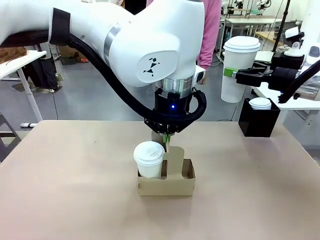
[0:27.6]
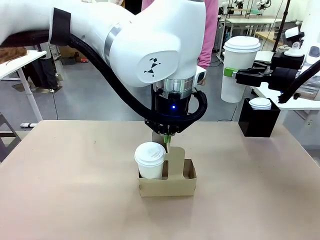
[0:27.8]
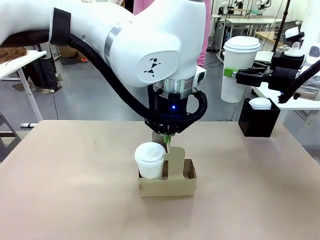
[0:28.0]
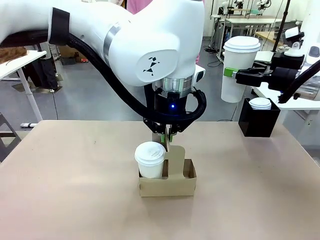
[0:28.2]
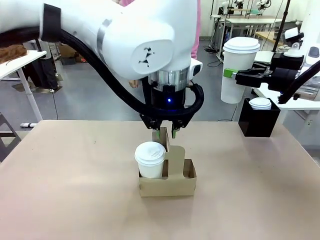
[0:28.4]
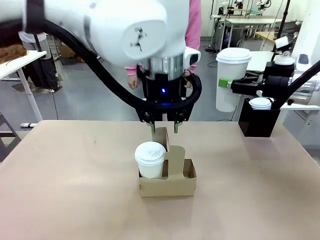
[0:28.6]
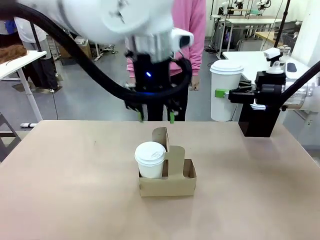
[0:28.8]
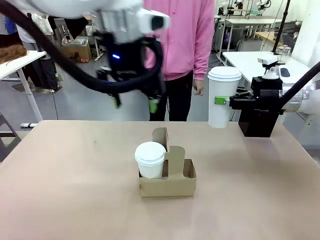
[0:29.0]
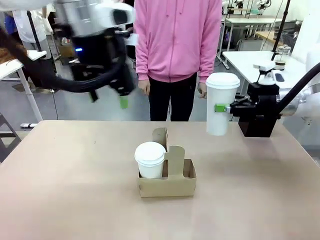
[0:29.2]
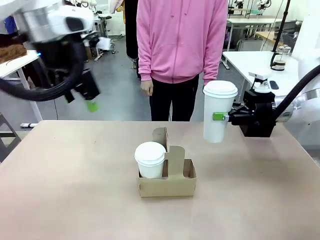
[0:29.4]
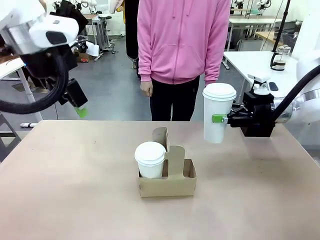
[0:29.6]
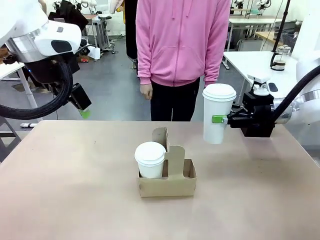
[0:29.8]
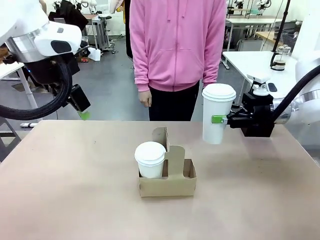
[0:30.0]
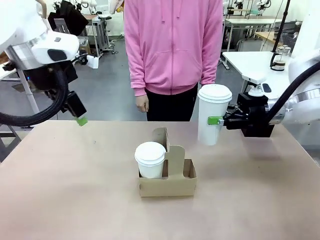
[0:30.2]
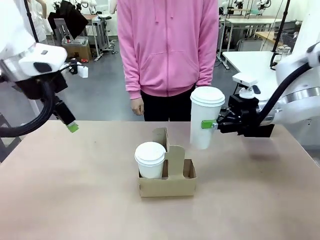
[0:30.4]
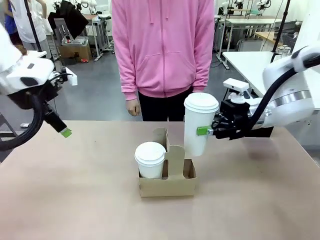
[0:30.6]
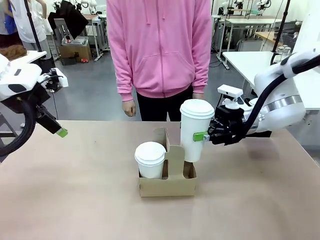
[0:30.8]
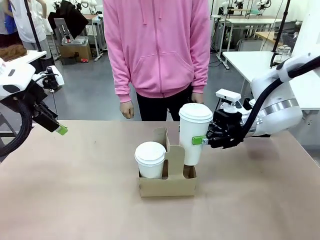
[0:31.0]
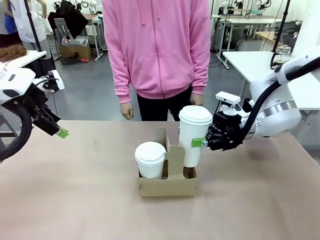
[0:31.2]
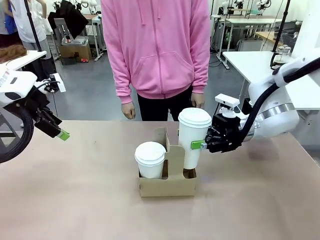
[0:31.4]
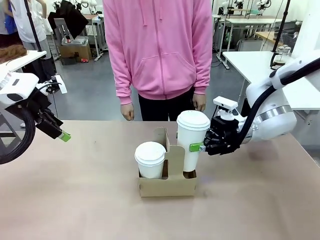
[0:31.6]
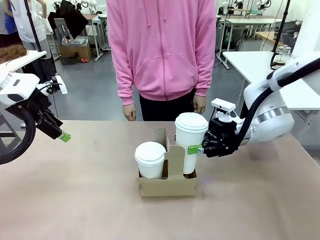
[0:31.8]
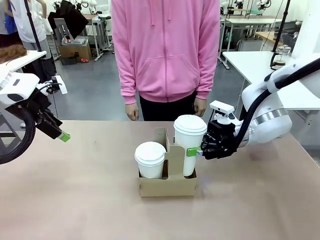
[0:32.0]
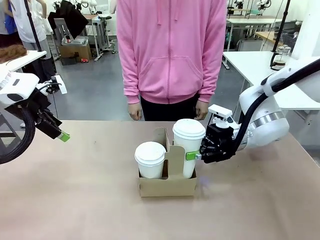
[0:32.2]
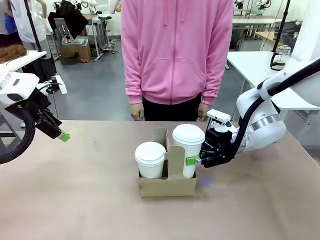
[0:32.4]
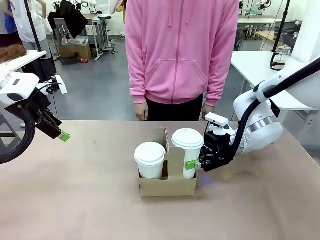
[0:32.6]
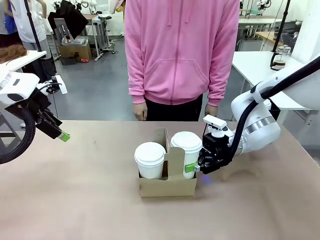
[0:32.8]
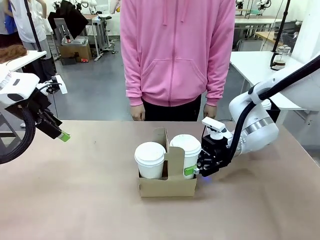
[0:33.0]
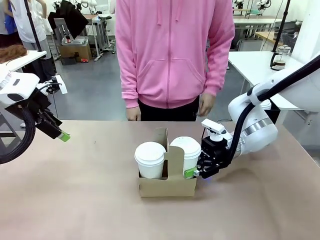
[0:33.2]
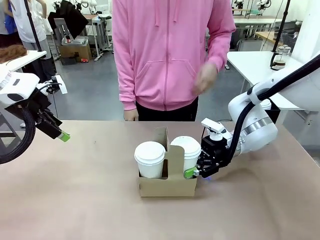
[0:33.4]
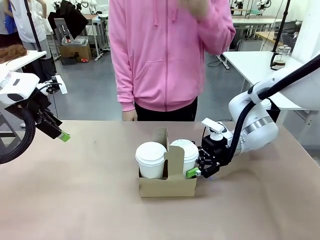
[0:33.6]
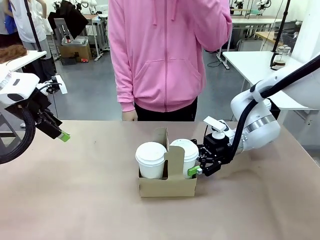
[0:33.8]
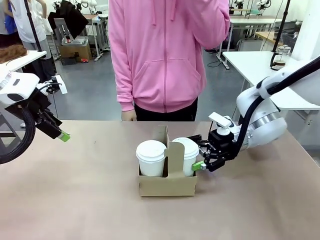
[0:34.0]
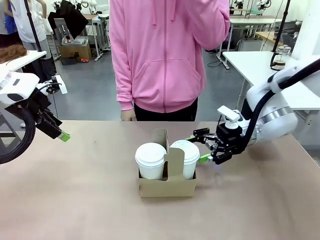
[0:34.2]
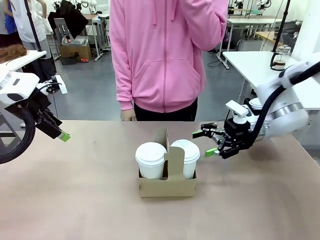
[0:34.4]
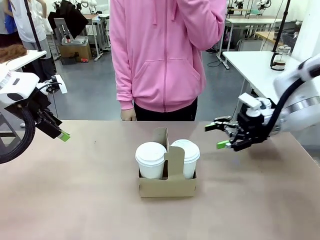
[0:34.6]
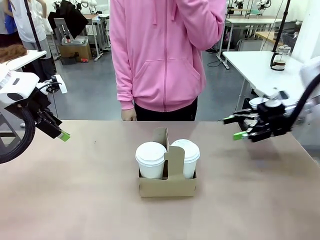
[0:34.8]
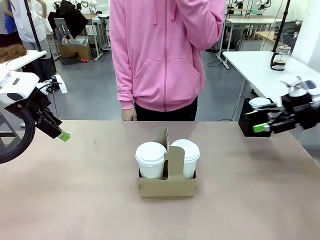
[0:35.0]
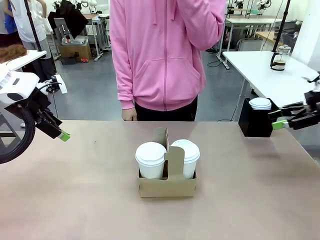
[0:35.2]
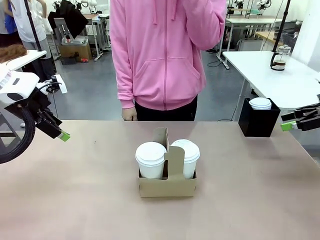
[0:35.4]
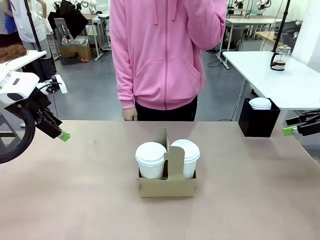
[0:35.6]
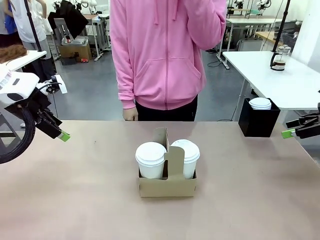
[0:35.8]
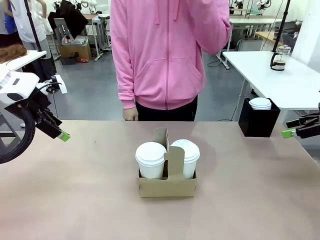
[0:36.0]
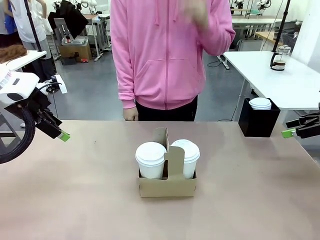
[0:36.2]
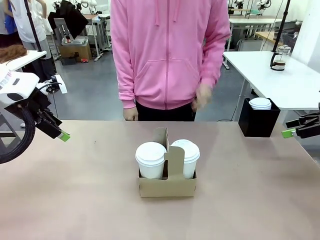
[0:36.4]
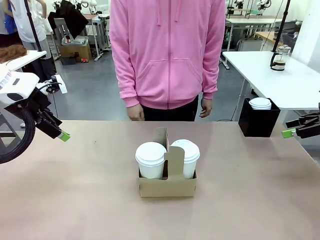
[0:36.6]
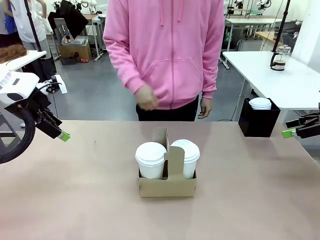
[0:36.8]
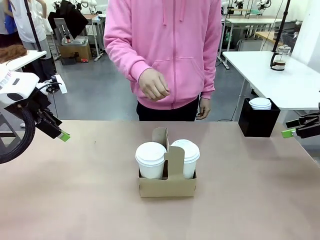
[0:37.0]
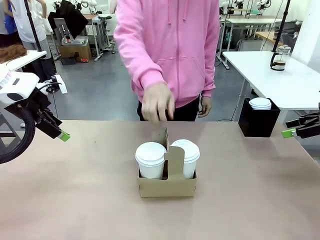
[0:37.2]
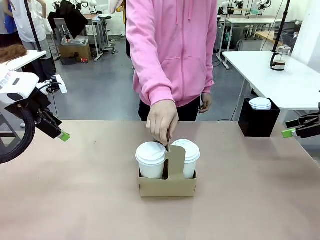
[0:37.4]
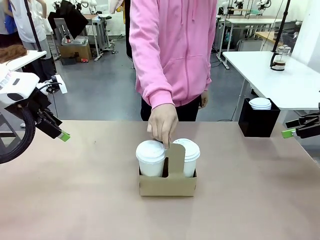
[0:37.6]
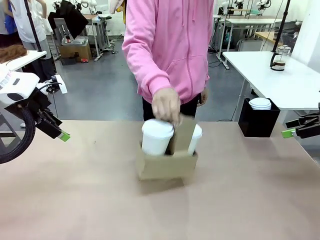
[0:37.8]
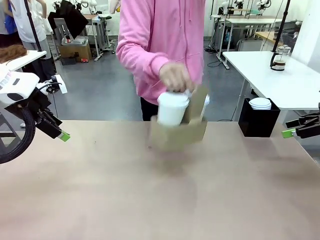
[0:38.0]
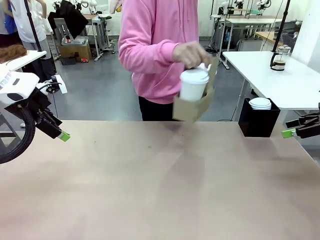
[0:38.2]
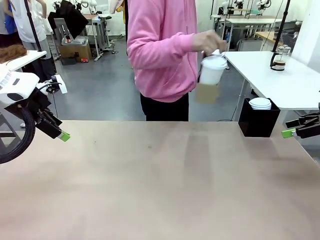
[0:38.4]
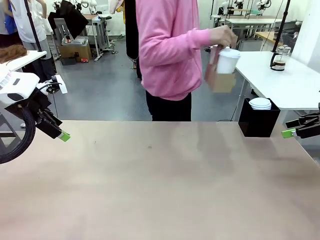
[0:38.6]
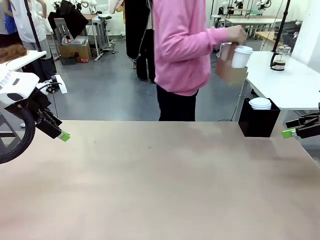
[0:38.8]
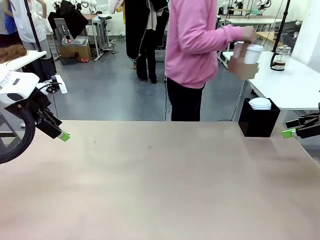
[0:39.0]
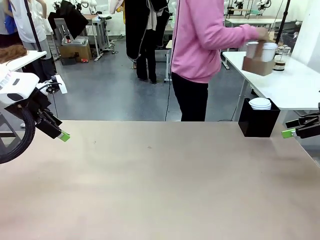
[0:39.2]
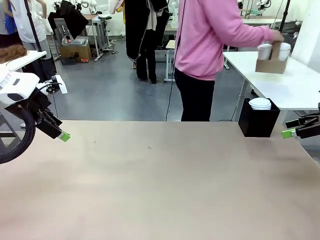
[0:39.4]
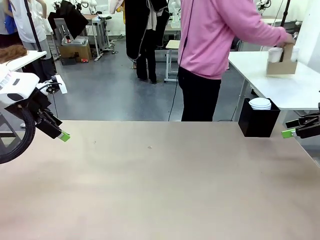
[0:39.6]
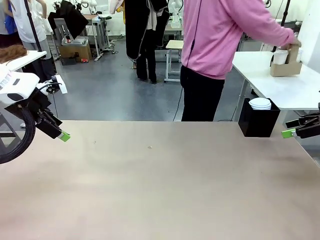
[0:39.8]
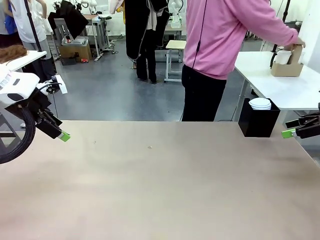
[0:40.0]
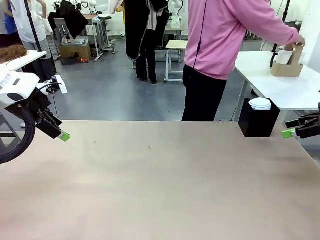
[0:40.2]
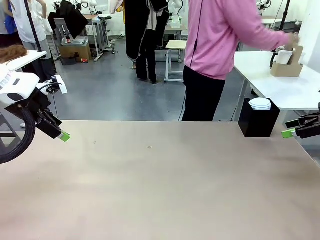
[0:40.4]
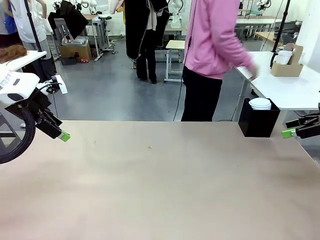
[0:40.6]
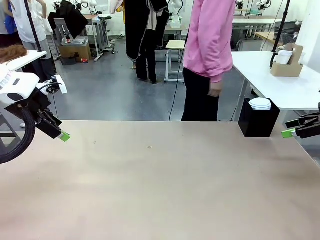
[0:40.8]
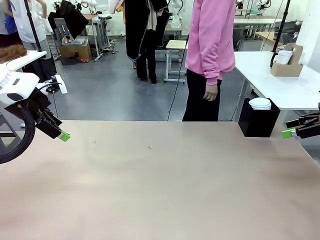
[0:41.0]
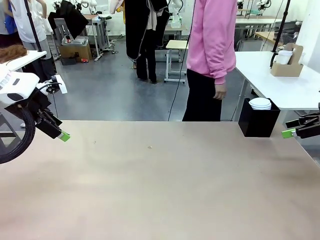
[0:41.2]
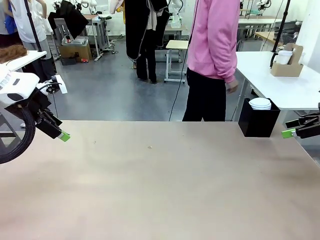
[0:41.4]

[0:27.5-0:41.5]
Task: Pour a drink into a cup and package it in a carrier.
Robot: Insert the held 600 ml Paper Cup into the Cup Carrier.
Person: Place the Cup Carrier to the middle of Human table.

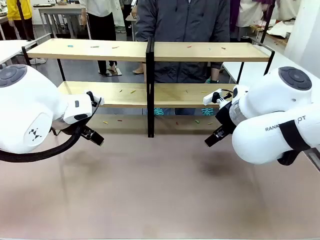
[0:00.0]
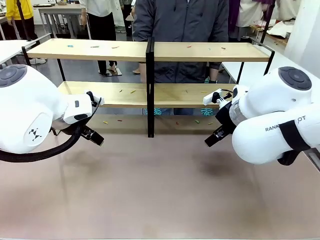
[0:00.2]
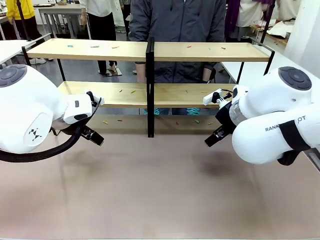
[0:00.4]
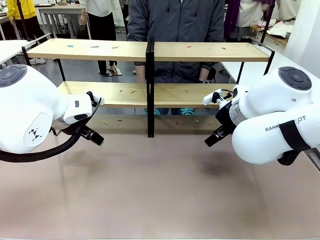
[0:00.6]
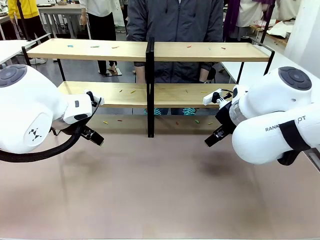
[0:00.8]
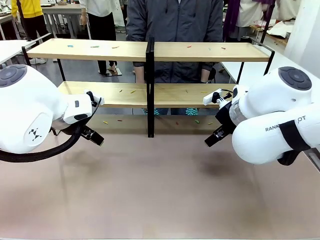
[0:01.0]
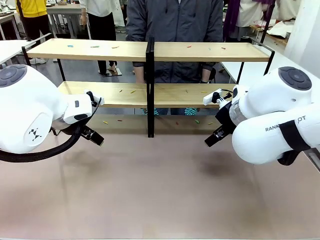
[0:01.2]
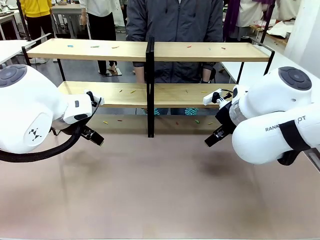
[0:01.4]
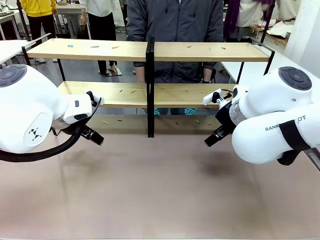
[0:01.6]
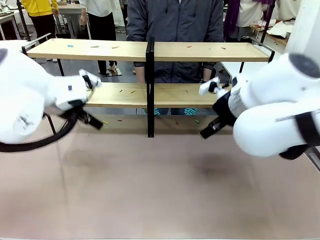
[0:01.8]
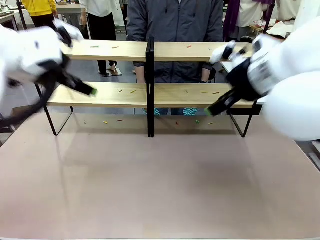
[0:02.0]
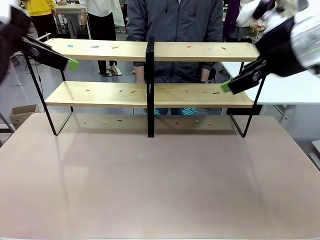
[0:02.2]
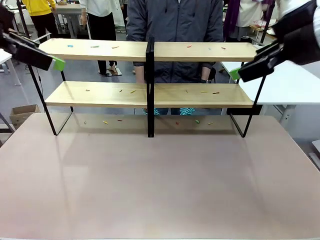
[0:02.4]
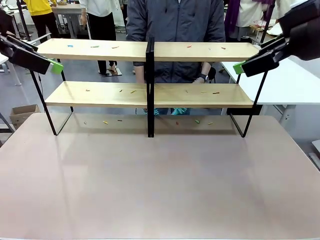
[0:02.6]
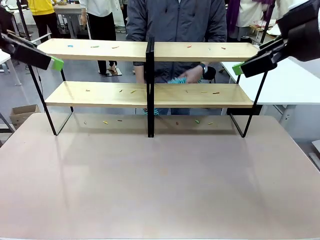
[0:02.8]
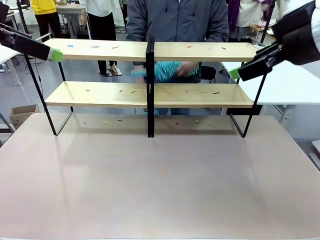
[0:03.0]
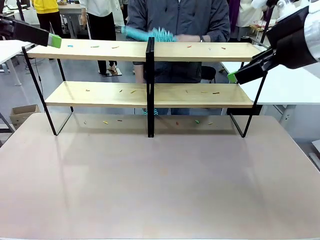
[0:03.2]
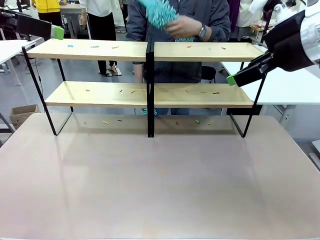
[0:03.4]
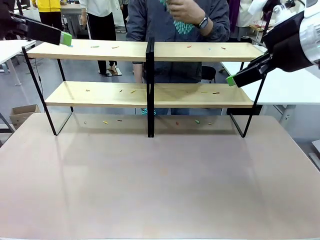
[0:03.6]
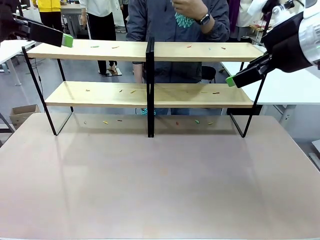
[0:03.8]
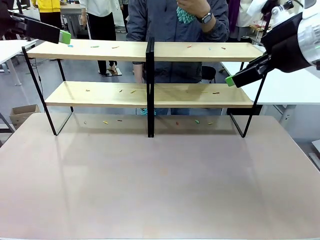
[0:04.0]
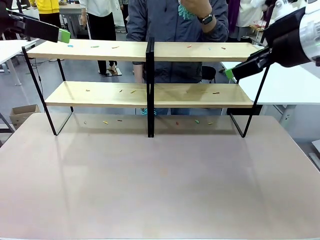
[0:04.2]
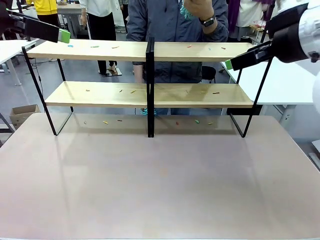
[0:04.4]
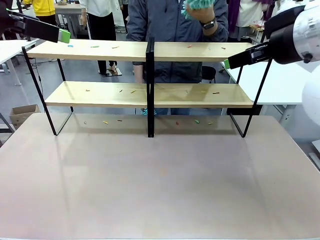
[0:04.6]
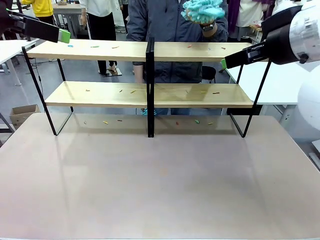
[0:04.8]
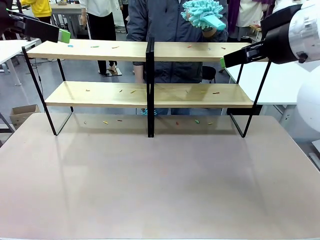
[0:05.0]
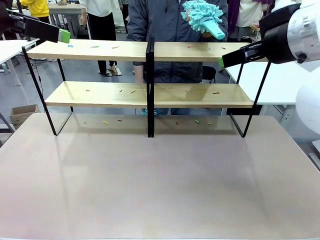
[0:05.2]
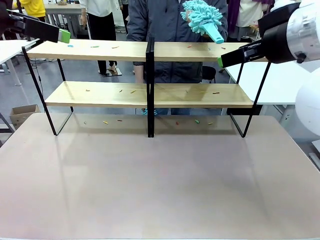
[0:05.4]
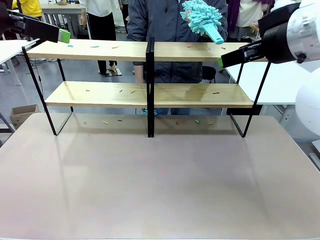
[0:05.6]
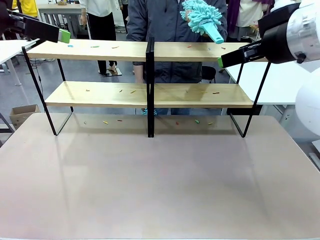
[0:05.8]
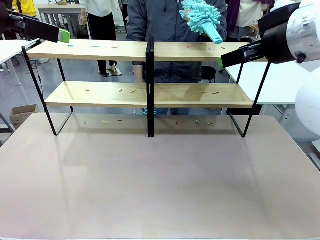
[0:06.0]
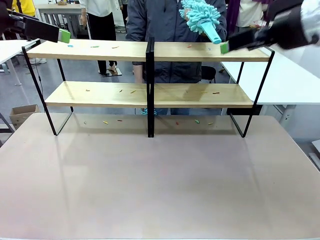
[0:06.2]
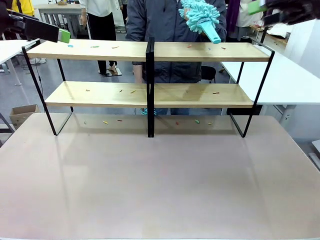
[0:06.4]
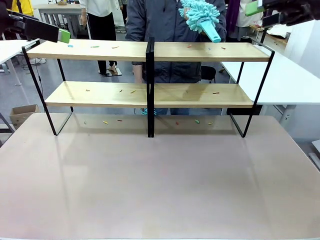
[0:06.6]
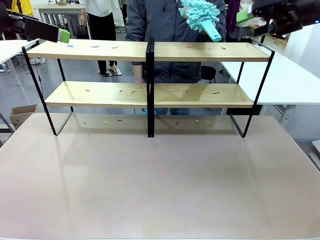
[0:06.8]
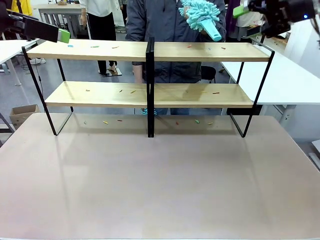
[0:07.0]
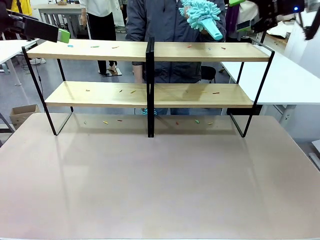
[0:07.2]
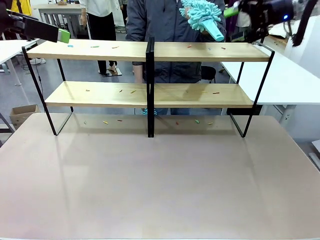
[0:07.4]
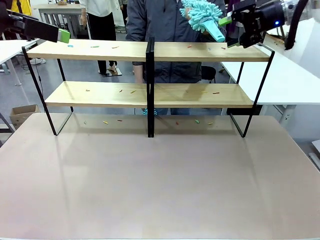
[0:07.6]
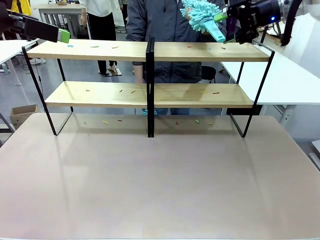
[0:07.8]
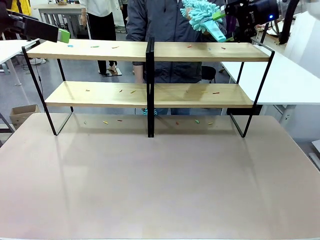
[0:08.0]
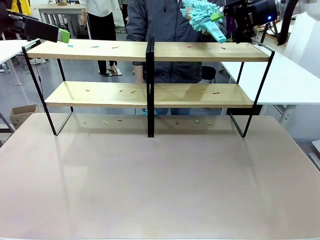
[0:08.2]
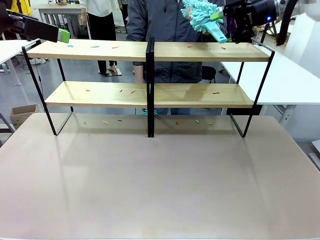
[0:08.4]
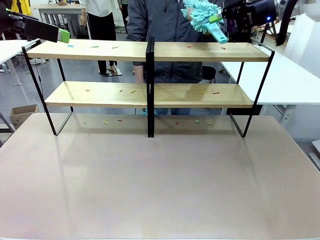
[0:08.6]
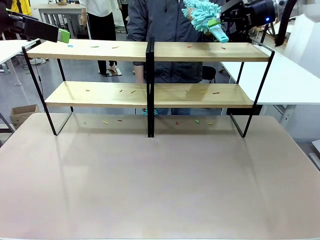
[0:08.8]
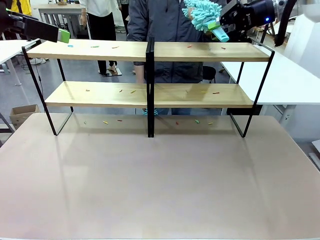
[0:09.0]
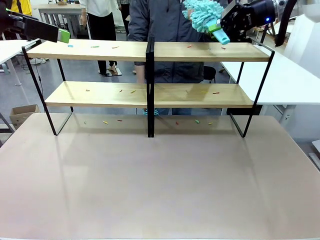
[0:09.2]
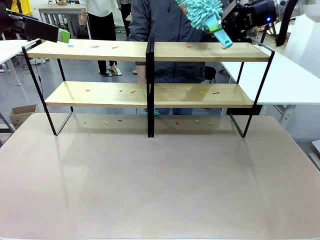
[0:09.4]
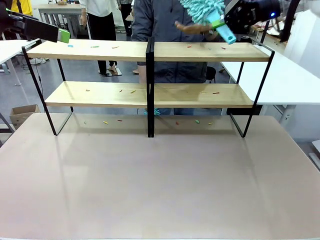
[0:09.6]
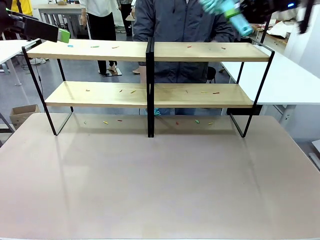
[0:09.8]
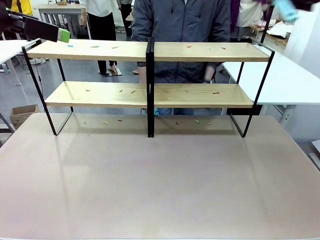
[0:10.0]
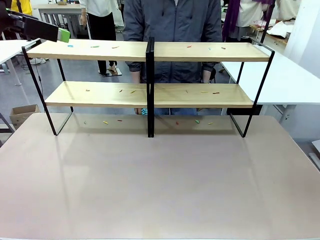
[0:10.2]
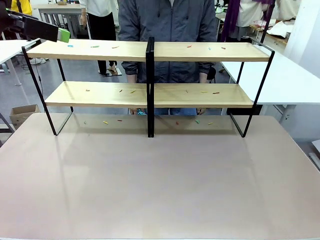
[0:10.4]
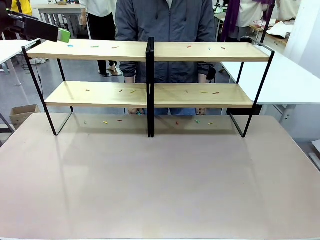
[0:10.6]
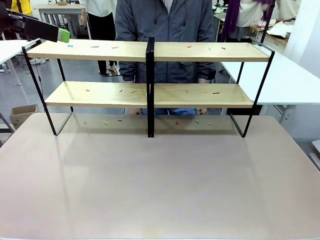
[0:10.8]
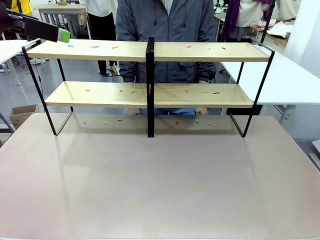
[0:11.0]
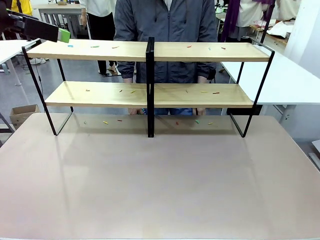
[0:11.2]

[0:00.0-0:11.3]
Task: Clean the shelves.
Robot: Pick up the Duster when the human hands it over.
Person: Hand the Duster to the robot with your right (or left) hand.
